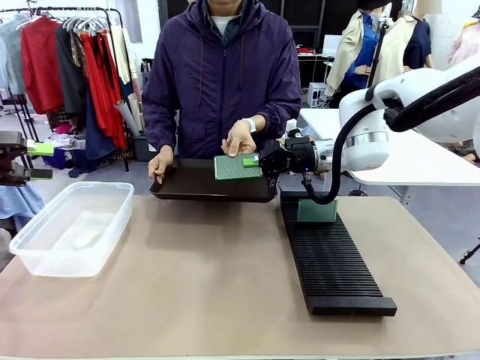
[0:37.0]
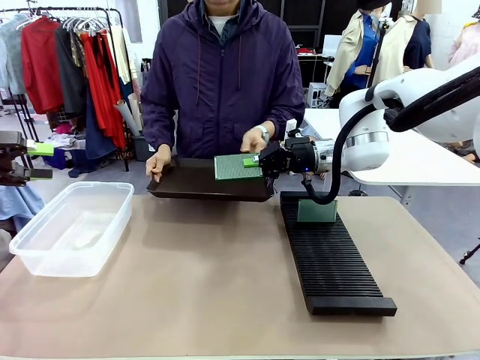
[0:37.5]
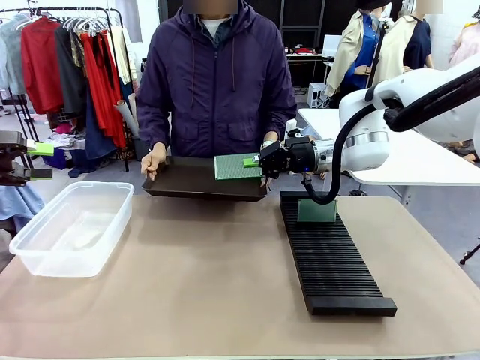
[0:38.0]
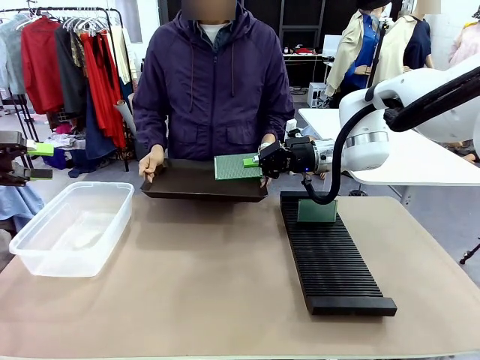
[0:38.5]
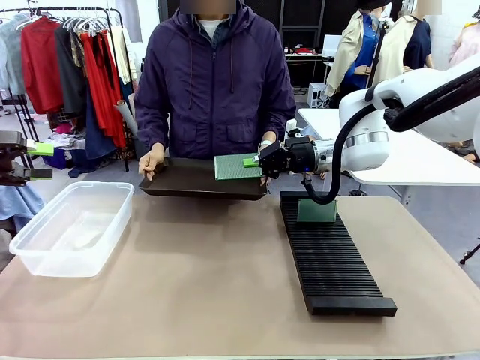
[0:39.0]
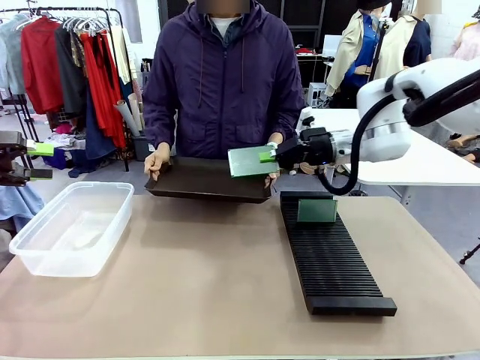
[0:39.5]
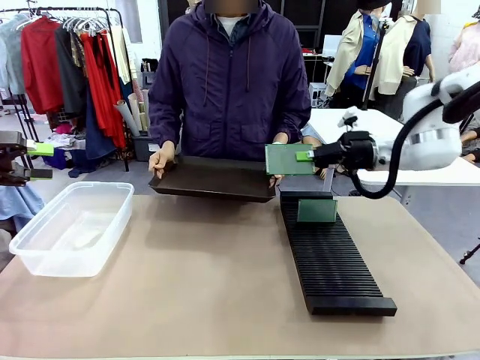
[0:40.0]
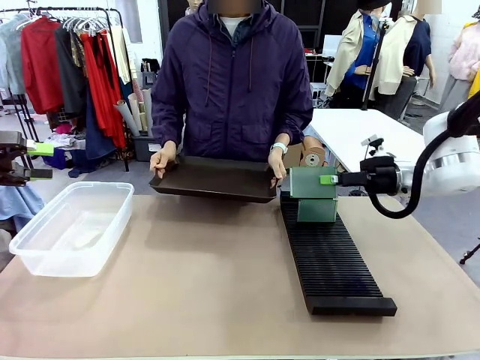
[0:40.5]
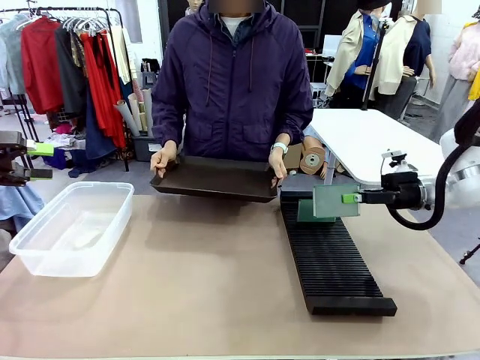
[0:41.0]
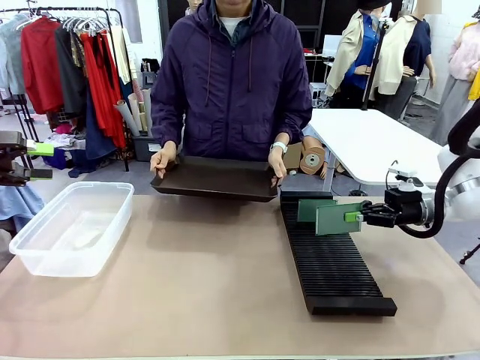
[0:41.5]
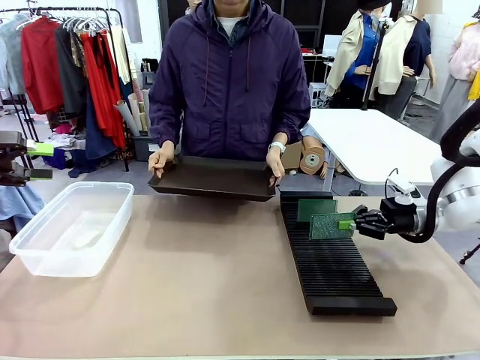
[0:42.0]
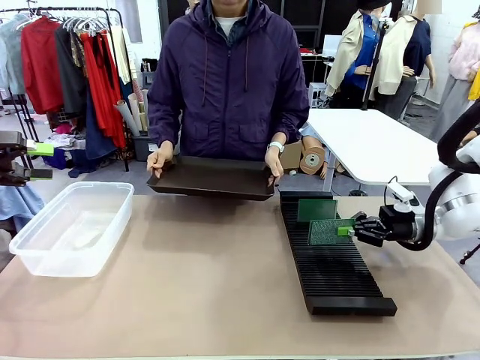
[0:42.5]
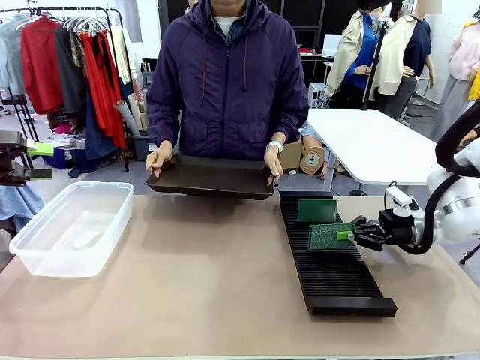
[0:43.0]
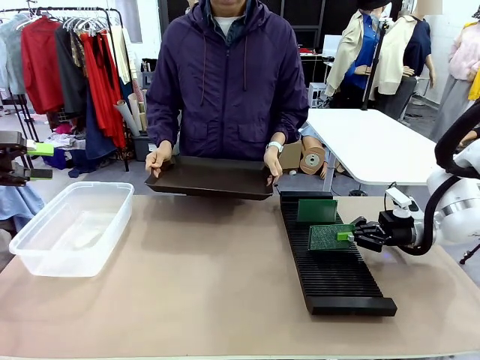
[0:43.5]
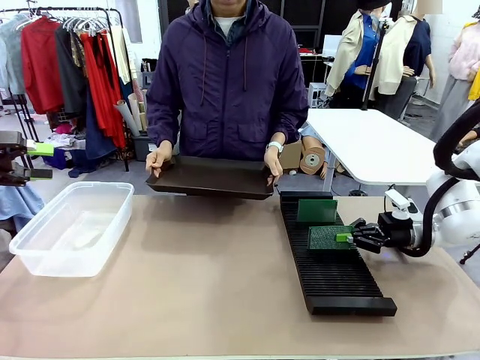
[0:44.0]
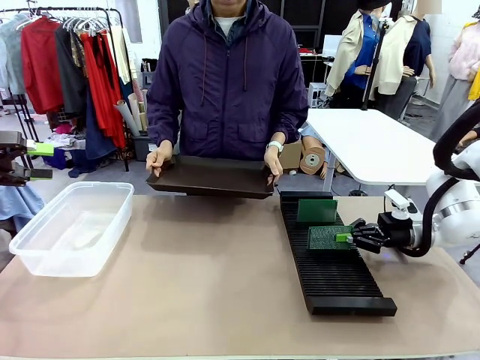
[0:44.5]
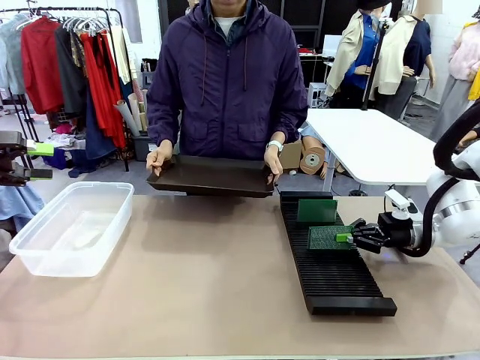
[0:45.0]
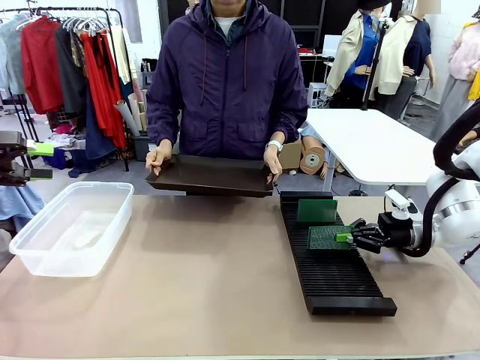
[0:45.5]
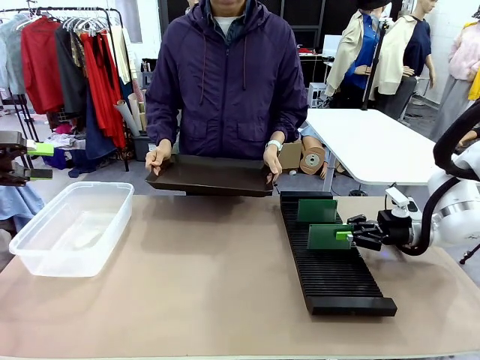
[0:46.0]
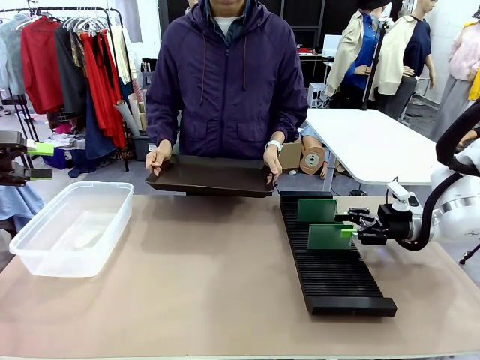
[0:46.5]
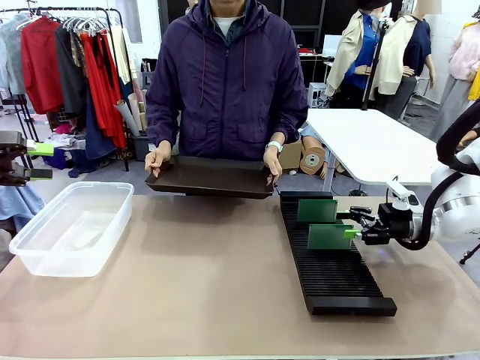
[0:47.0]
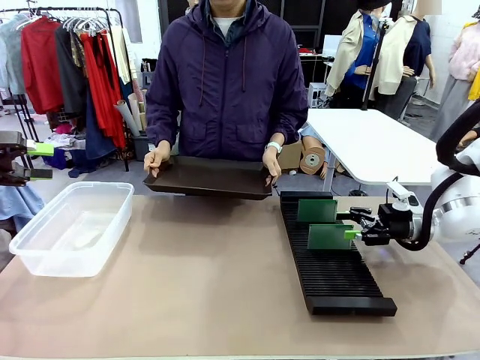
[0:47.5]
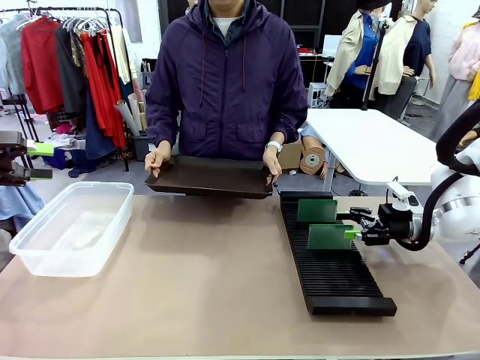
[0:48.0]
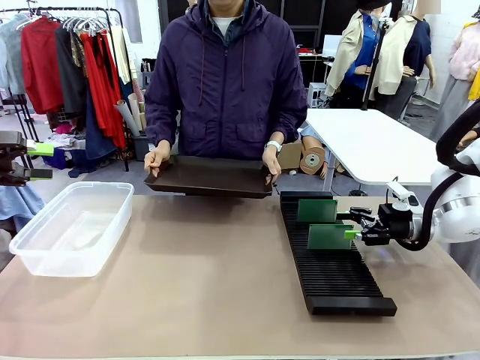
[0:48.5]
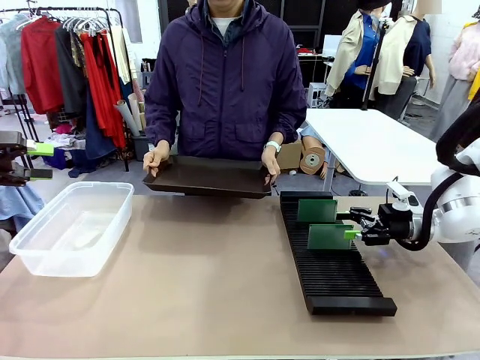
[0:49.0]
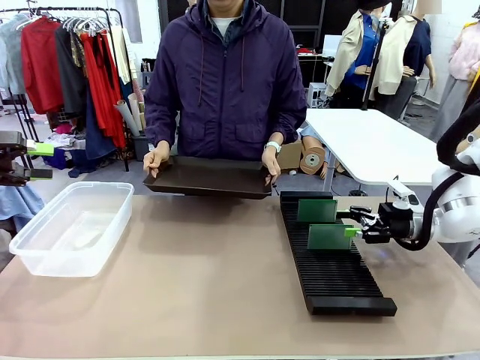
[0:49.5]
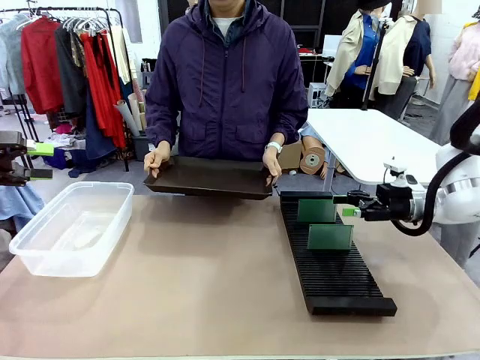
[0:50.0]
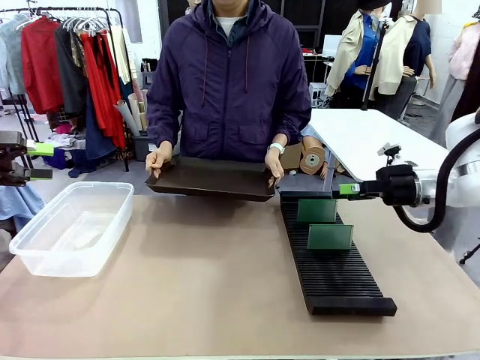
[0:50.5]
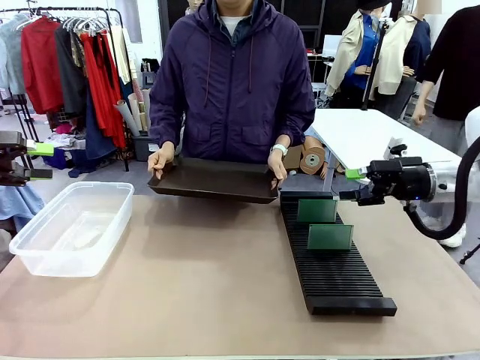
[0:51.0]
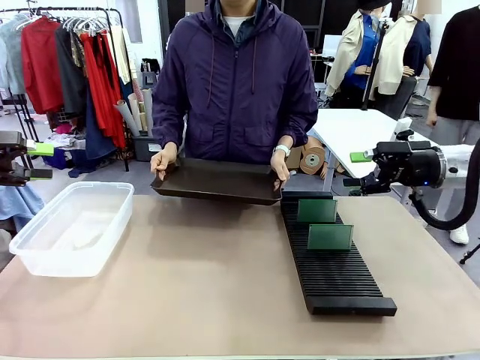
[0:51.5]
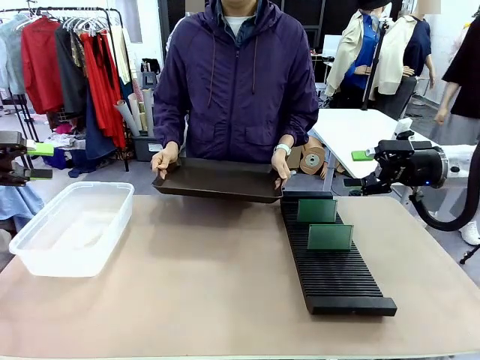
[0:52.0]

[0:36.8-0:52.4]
Task: Sort PCBs into racks and boxes based on the side picked up.
Robot: If the short side of the Blank PCB is picked up, insert it into the PCB Rack ; if the long side is picked up, place it in the Organizing box.
Person: Release the PCB being held.

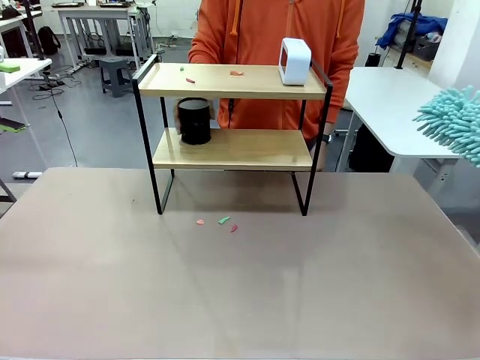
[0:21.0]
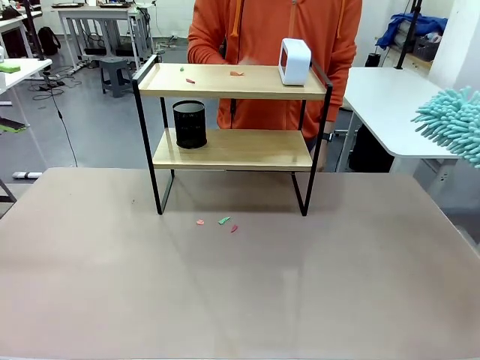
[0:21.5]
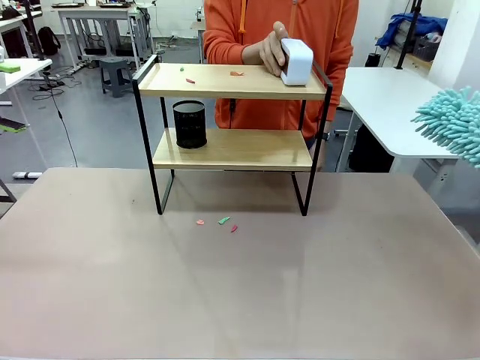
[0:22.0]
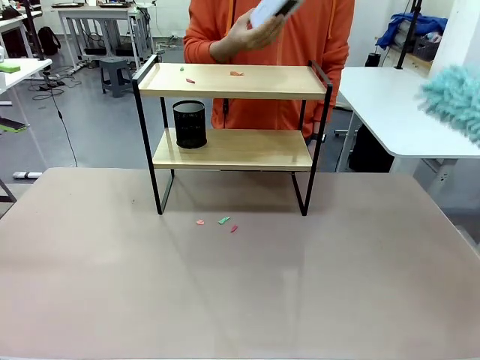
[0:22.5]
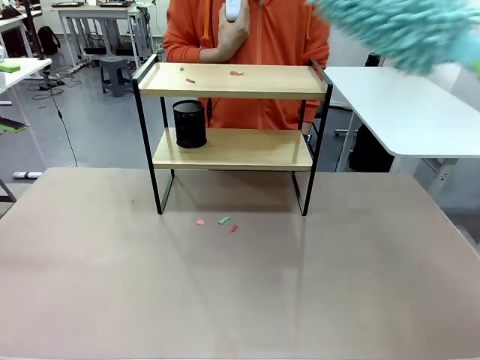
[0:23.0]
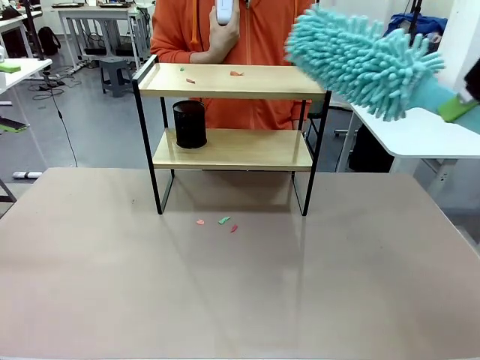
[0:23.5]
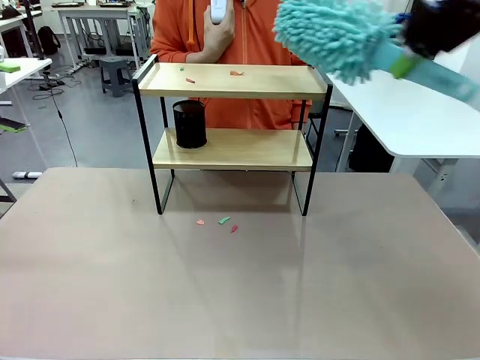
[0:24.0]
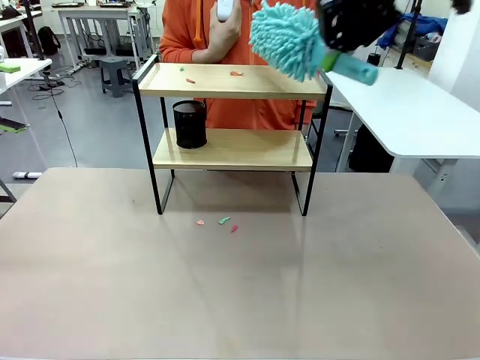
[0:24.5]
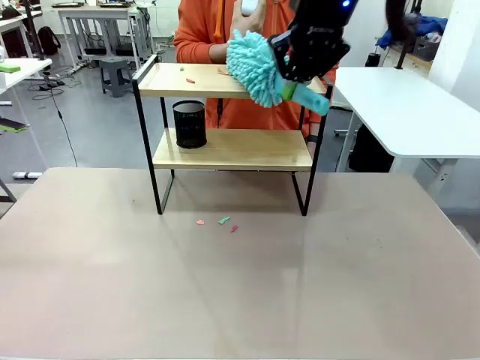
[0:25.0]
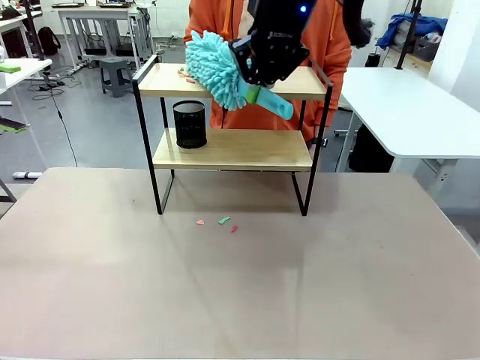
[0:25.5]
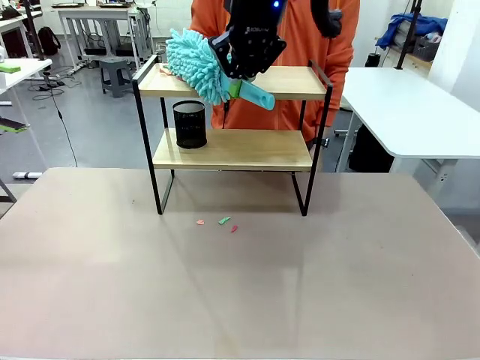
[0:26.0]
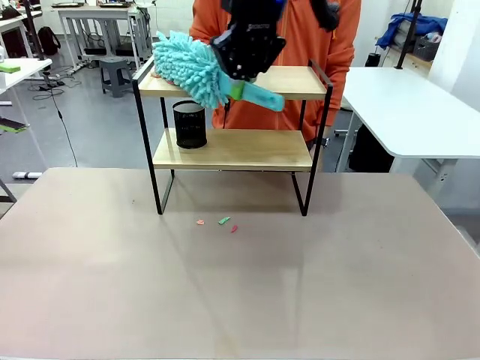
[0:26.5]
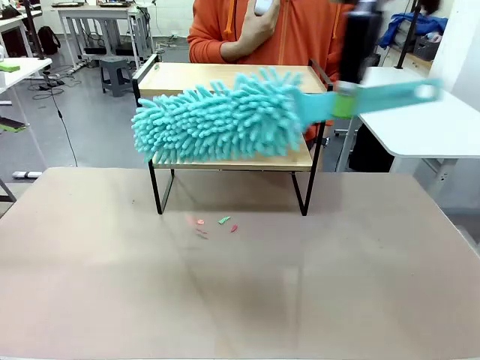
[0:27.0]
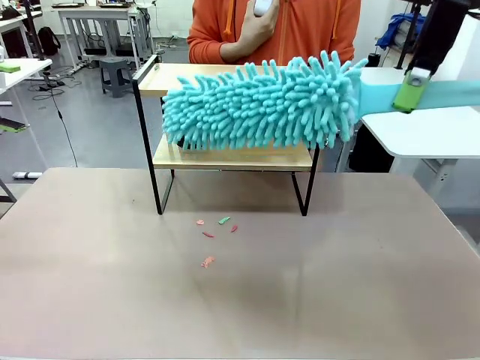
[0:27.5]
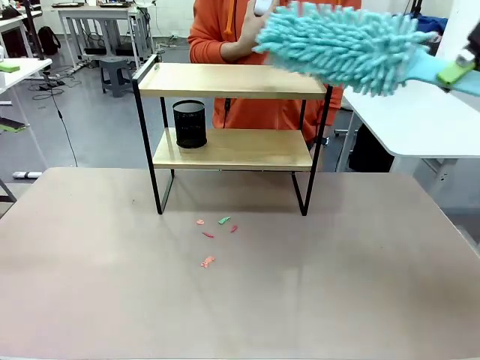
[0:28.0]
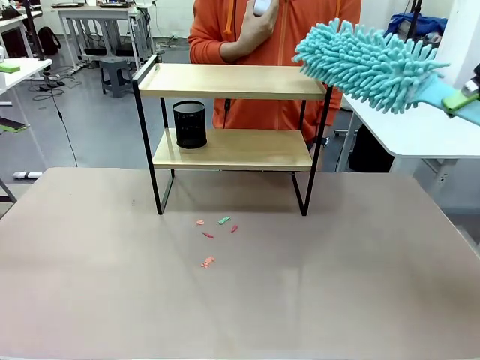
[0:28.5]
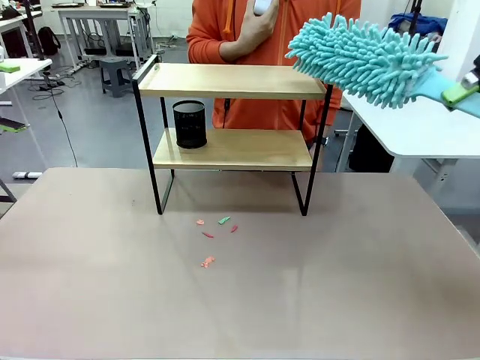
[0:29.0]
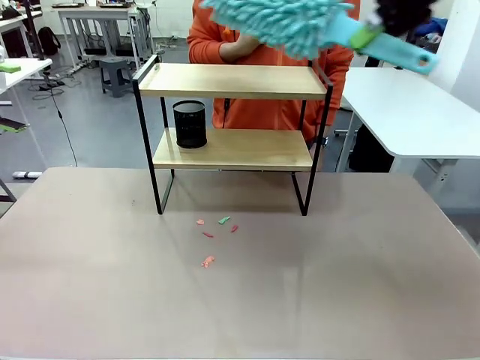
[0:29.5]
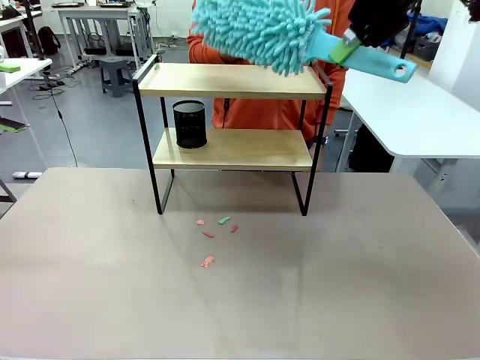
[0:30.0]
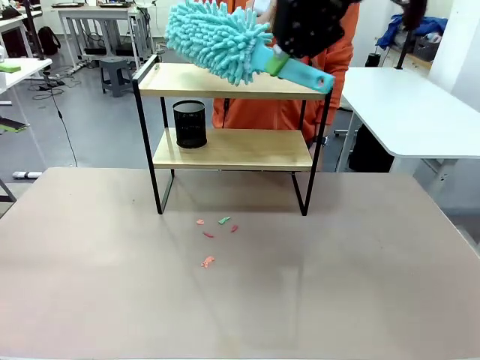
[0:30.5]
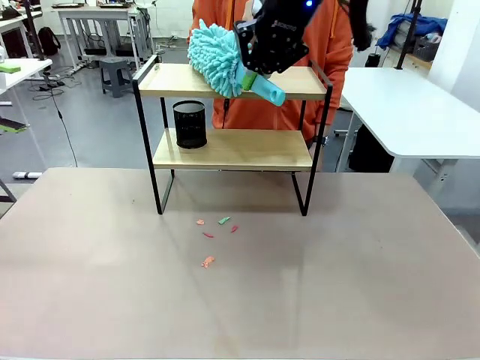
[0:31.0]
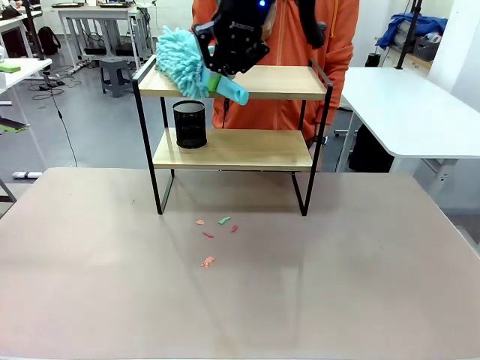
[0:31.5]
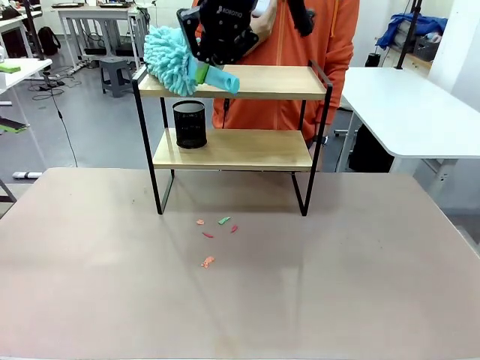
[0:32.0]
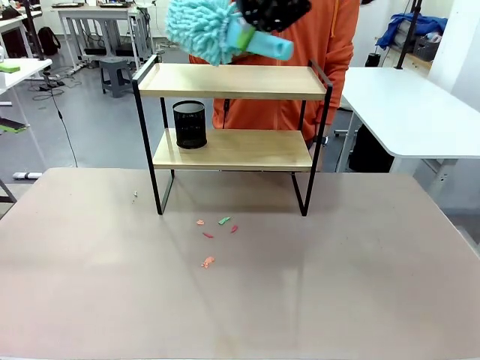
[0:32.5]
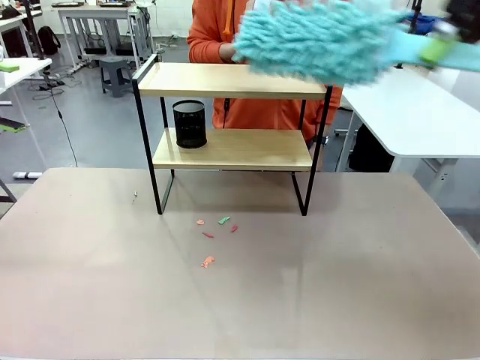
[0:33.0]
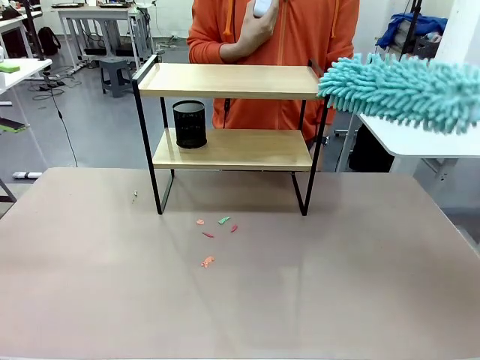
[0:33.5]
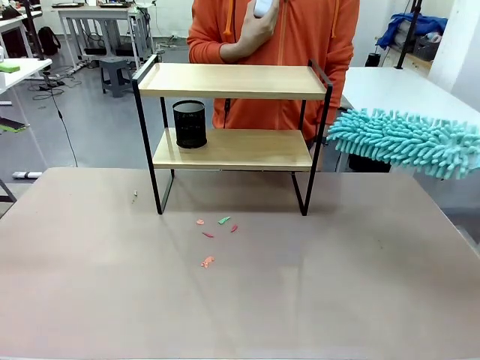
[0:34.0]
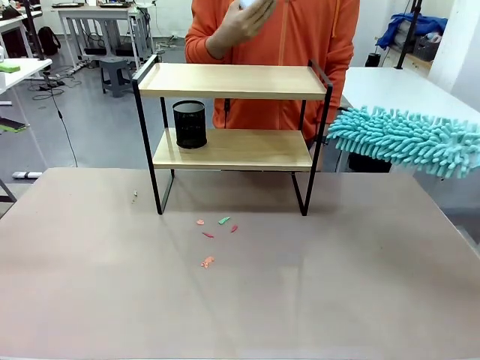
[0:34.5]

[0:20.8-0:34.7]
Task: Clean the shelf.
Robot: Clean the remaining tier of the Shelf with the Duster once objects are removed.
